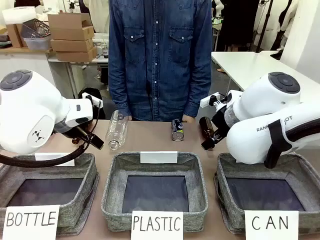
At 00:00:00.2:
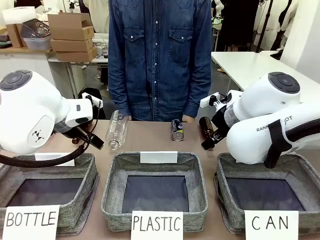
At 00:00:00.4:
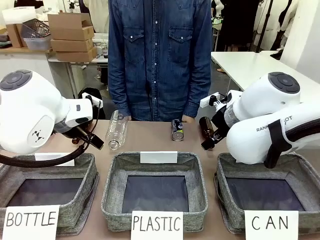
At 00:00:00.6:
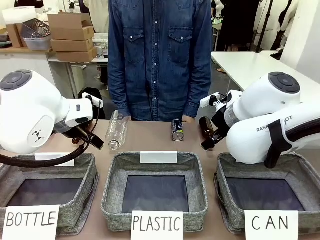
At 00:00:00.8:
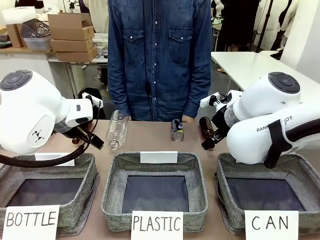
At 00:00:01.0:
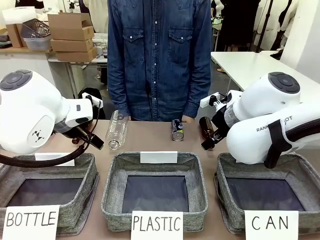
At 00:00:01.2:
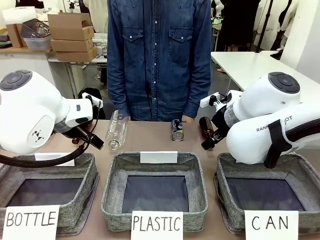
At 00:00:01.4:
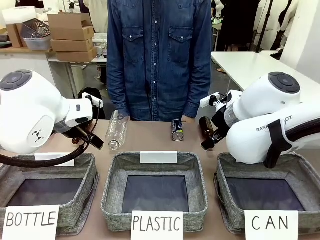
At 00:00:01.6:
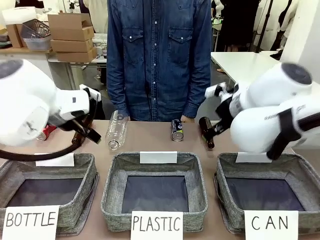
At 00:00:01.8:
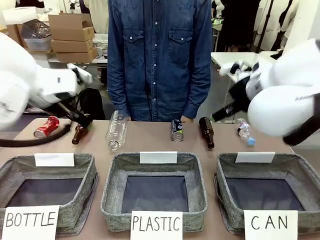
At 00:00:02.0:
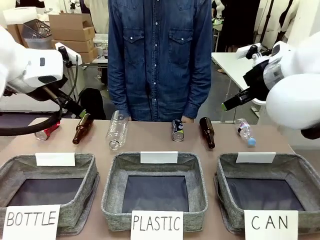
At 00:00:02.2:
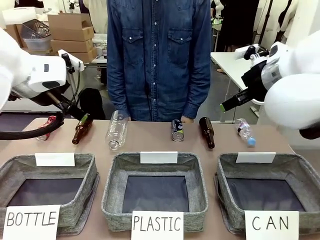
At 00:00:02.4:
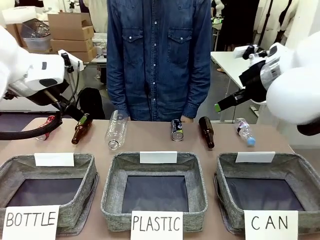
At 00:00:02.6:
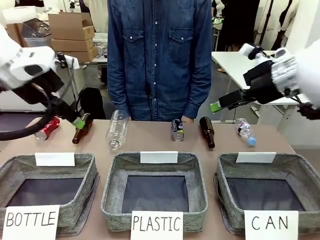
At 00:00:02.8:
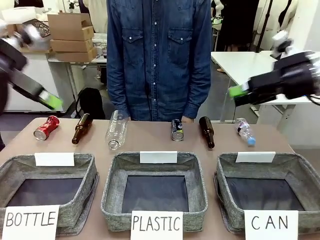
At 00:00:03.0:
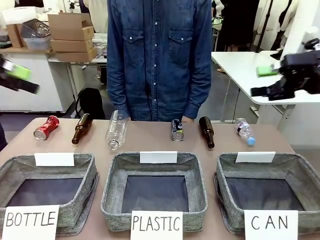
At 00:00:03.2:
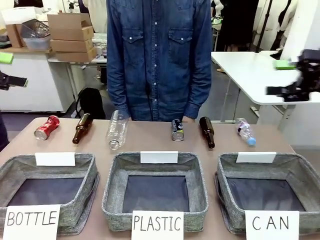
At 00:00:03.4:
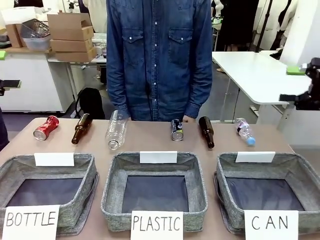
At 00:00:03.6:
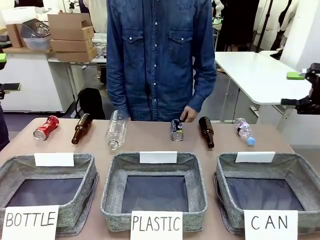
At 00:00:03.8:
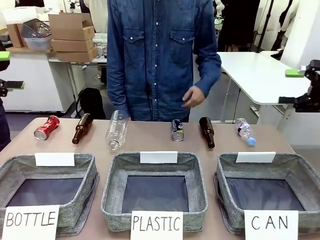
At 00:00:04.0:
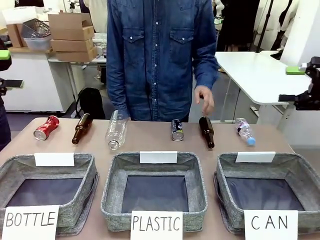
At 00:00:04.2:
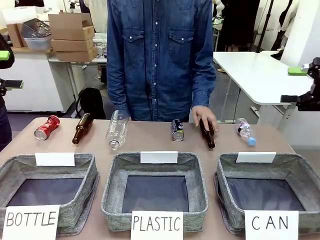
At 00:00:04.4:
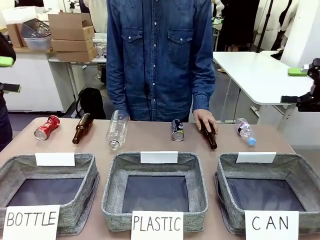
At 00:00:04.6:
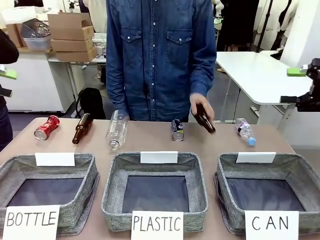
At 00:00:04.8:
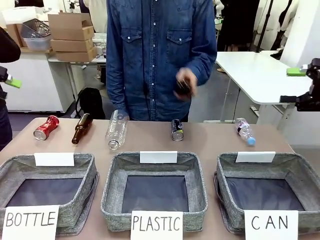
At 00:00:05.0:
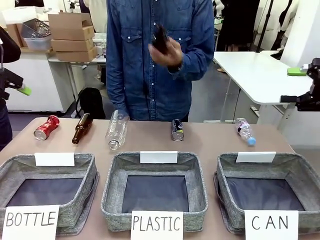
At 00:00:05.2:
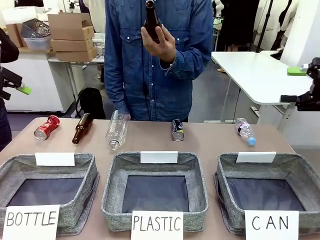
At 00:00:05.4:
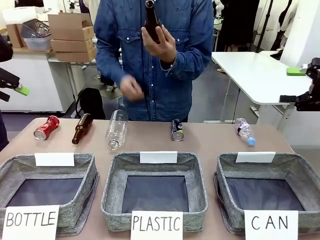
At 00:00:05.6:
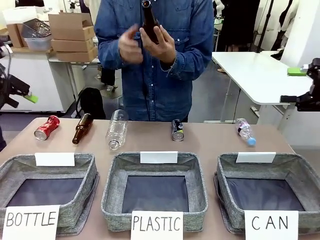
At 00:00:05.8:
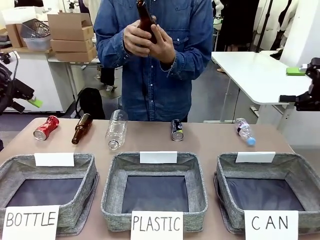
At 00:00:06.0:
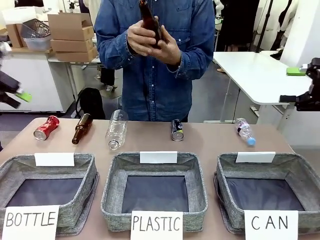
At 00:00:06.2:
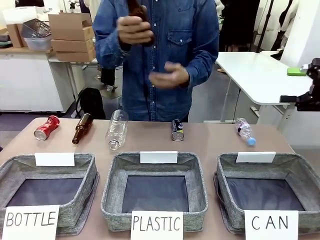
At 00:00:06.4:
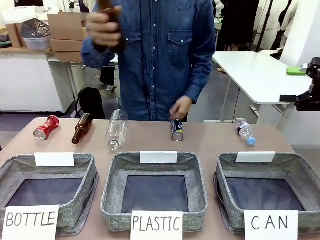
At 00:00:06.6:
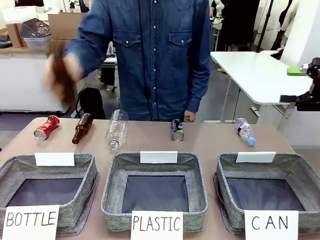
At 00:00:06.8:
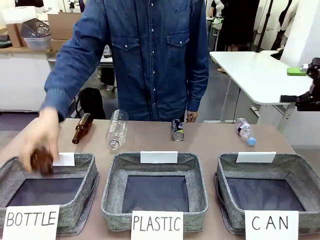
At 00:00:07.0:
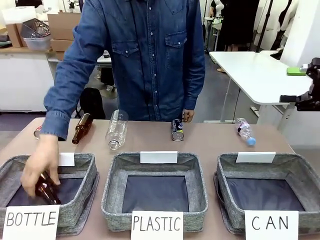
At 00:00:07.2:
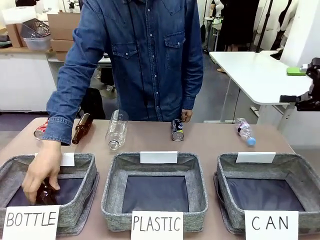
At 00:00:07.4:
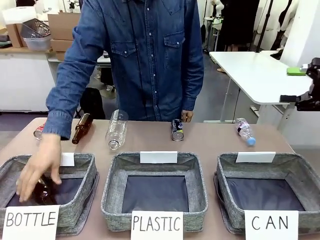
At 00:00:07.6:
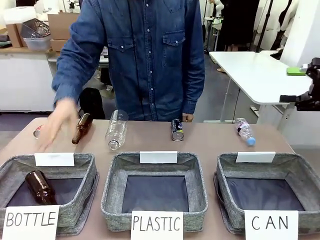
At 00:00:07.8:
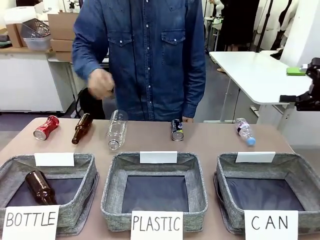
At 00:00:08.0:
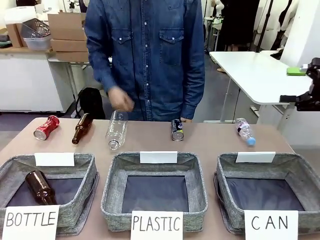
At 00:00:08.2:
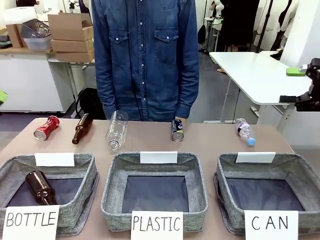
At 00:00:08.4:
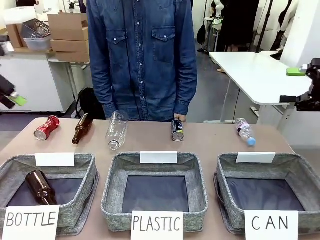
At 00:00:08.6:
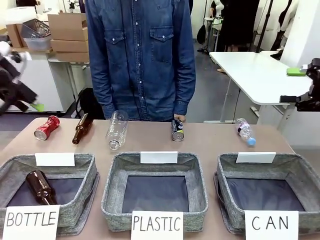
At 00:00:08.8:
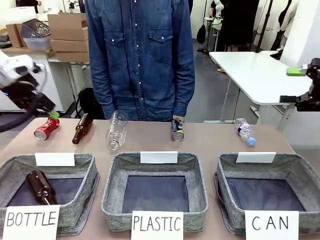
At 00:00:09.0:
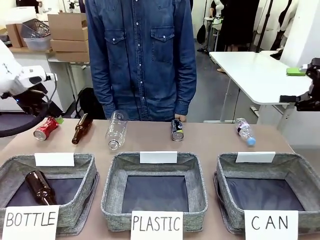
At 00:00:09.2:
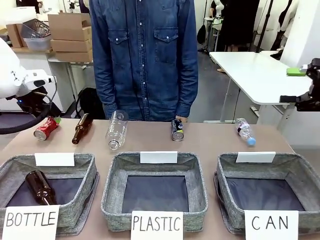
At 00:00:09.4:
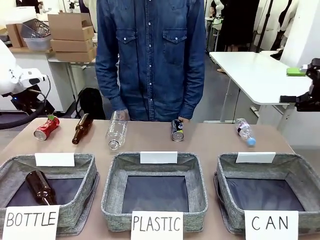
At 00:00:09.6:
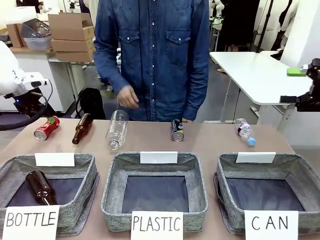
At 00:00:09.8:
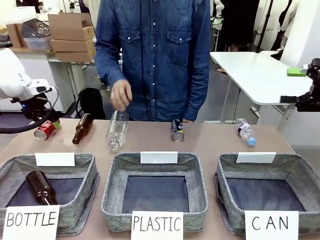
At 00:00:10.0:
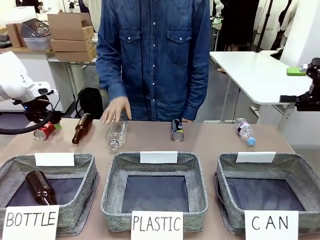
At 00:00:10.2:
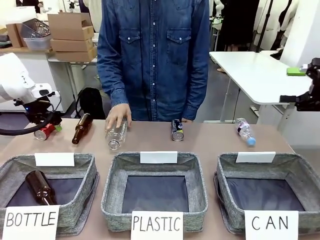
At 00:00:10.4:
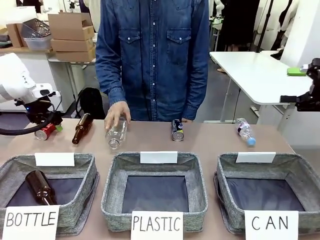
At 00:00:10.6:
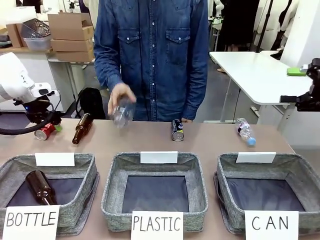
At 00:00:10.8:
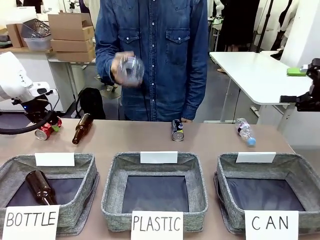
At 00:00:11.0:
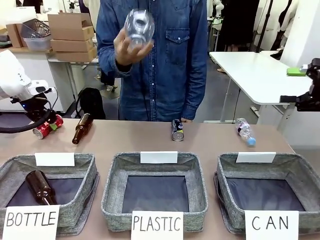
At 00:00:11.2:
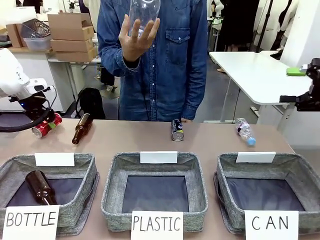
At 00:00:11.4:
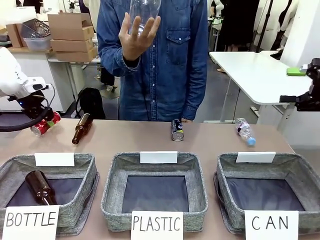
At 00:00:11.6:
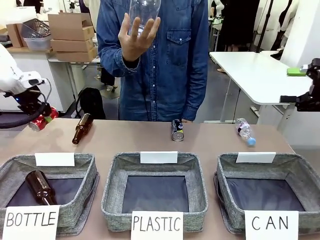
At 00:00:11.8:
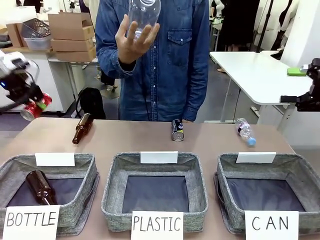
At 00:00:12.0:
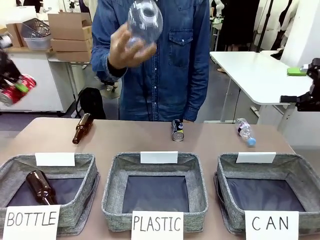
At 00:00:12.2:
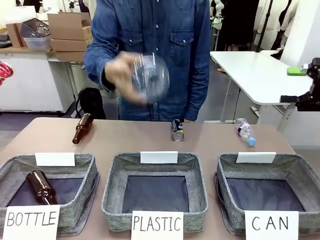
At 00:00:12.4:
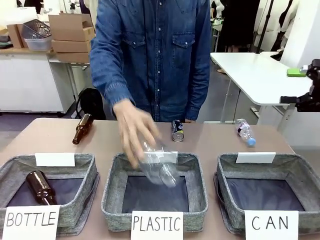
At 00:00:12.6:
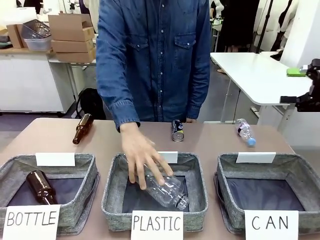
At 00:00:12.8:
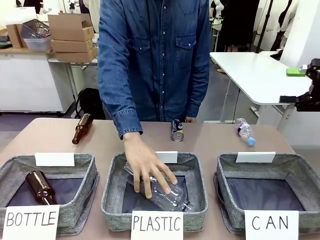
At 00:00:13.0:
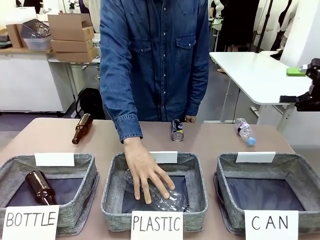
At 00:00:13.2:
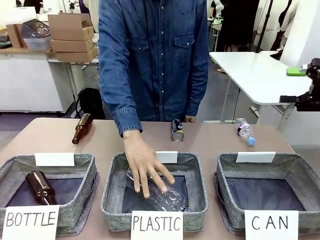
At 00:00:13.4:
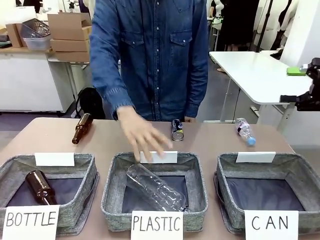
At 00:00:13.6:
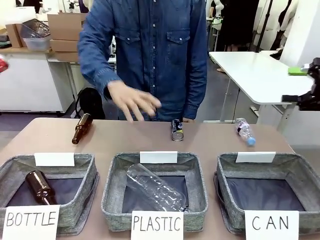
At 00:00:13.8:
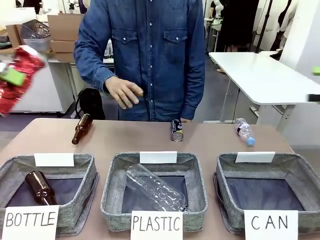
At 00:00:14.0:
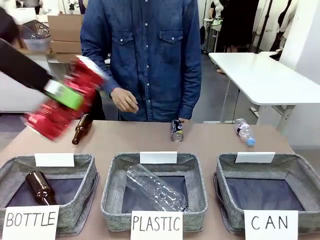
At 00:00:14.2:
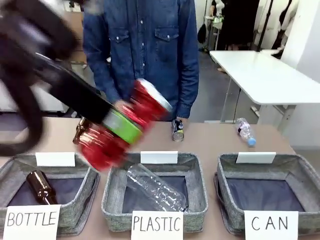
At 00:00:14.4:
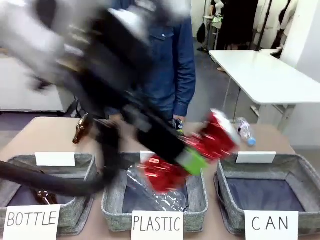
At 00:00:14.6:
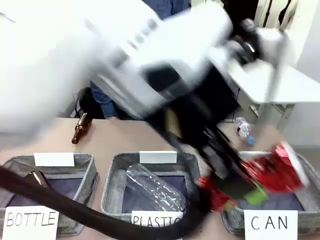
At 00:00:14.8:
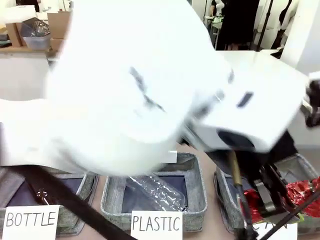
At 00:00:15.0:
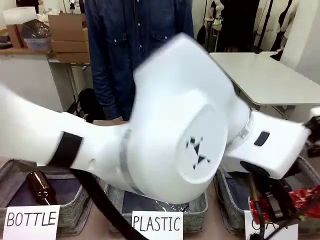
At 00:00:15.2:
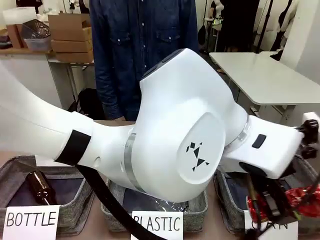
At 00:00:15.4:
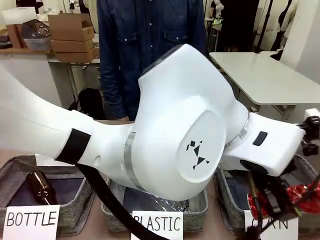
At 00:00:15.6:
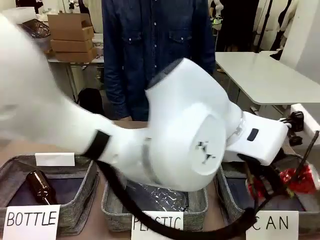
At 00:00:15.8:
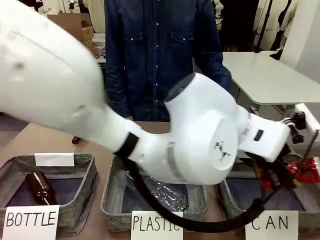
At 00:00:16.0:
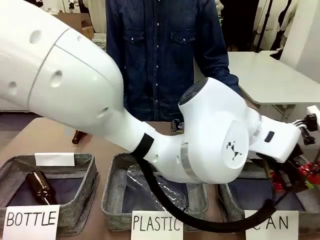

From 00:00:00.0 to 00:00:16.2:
Task: Sort the can waste into the basket.
Robot: Pick up the can waste from the table and place it in the right Fabric basket.
